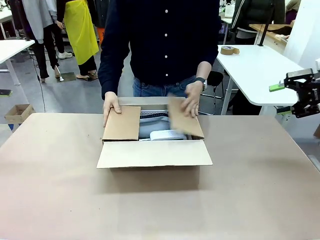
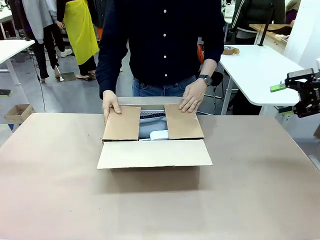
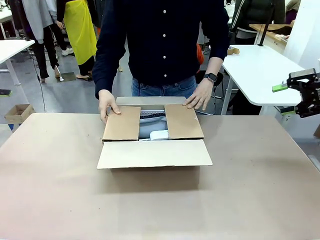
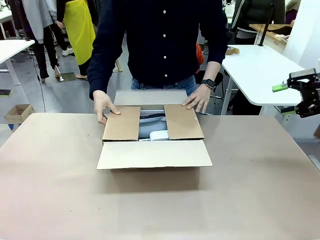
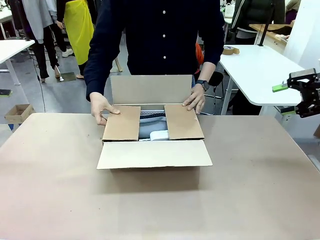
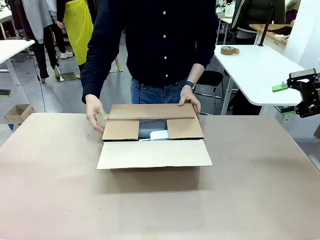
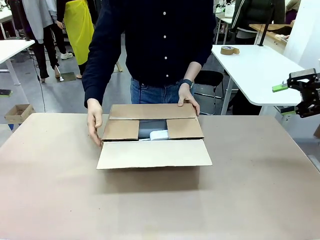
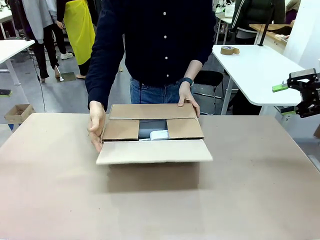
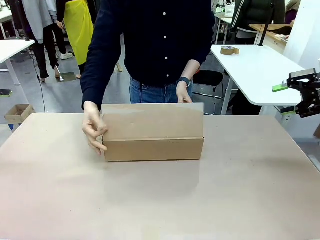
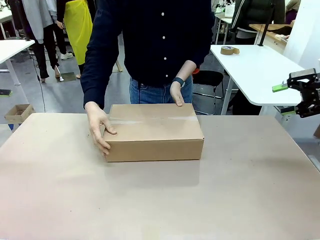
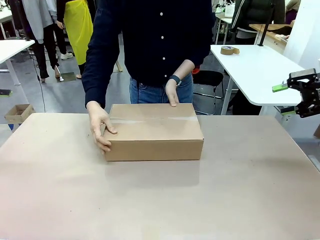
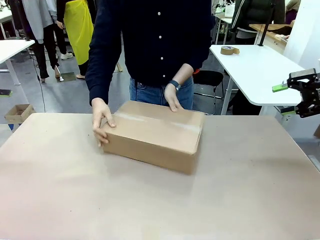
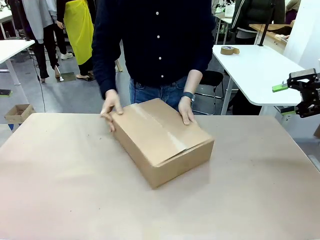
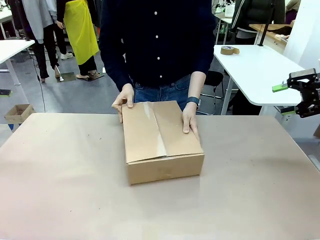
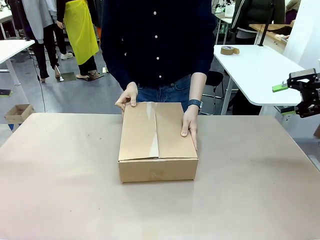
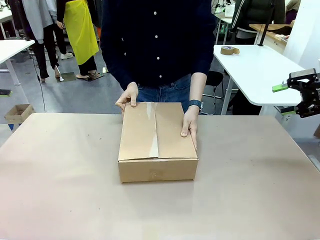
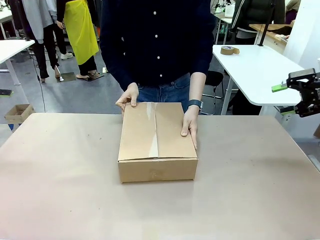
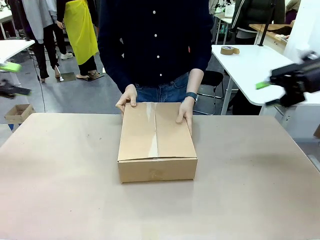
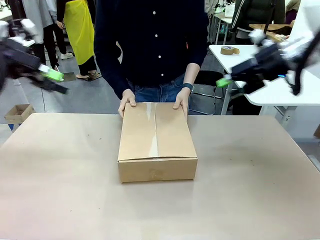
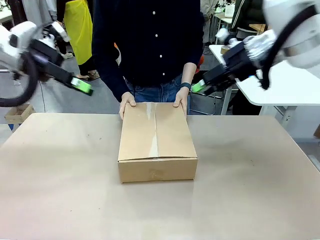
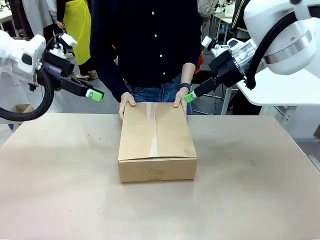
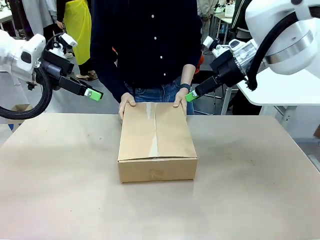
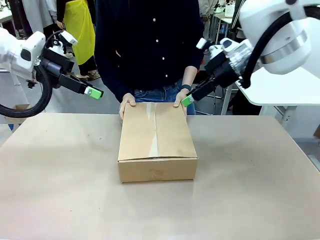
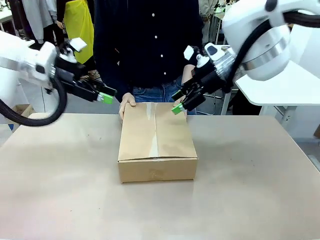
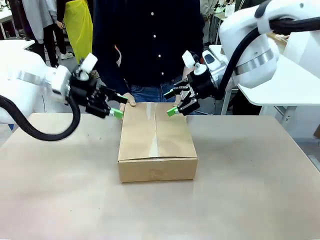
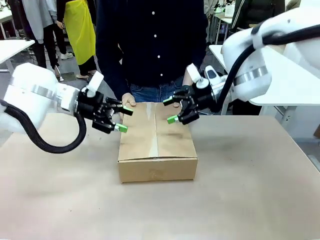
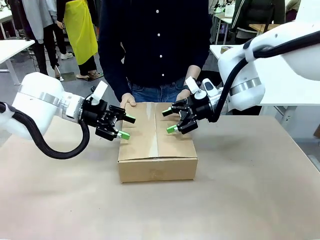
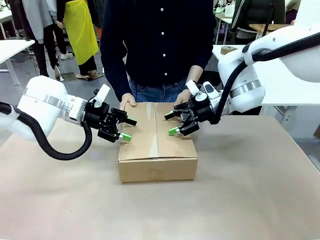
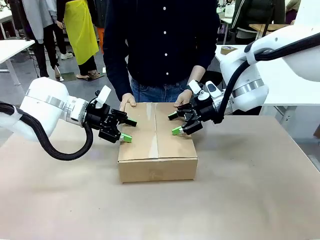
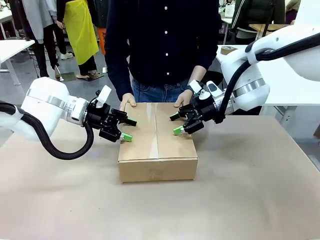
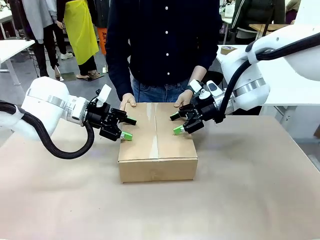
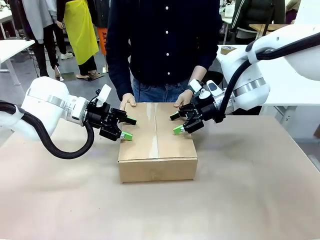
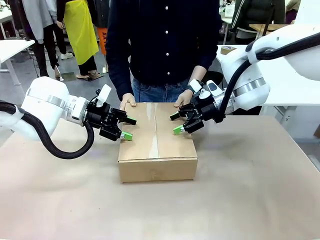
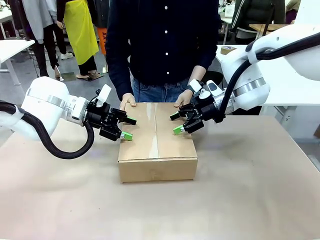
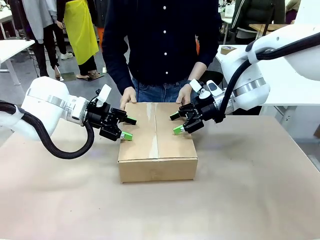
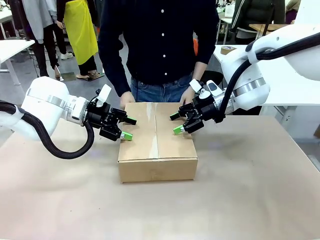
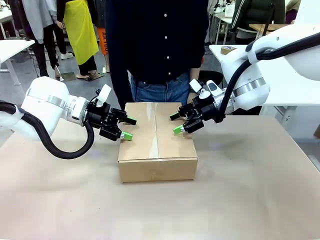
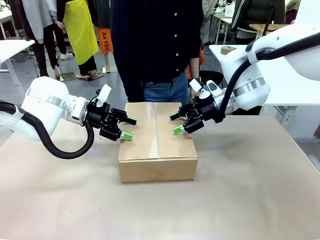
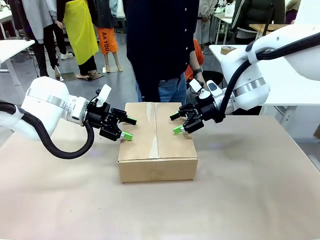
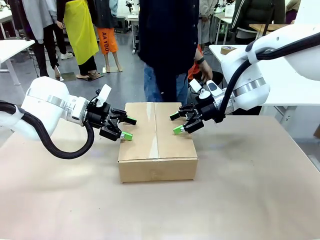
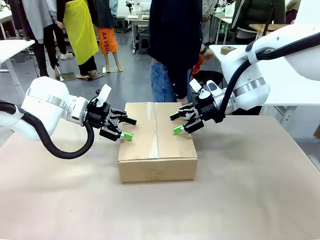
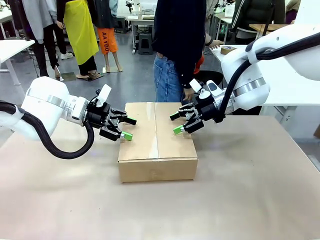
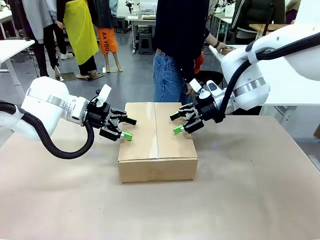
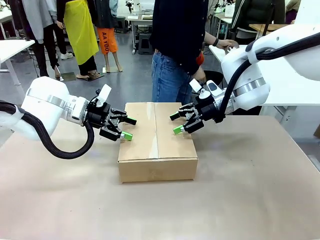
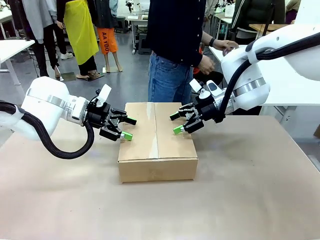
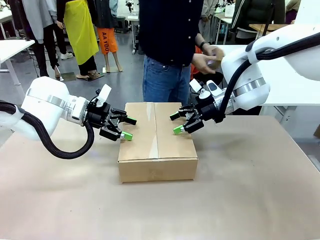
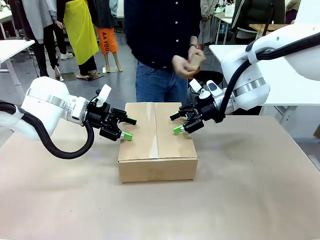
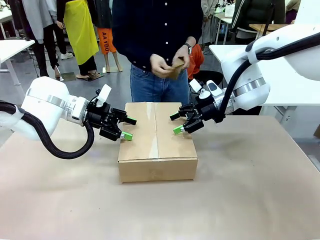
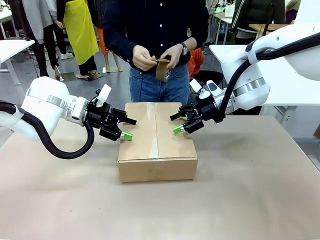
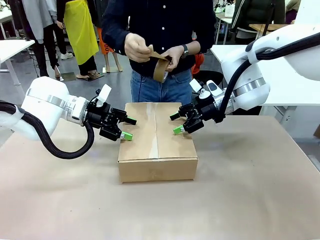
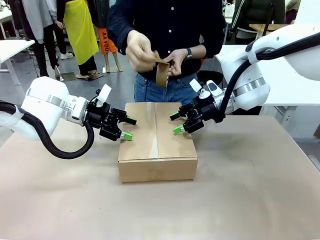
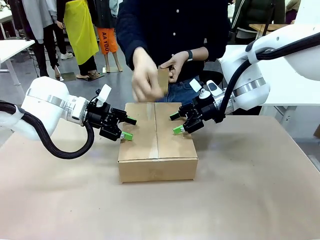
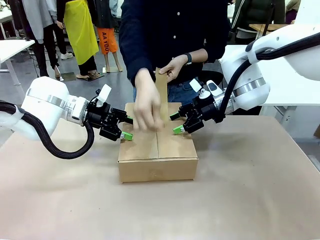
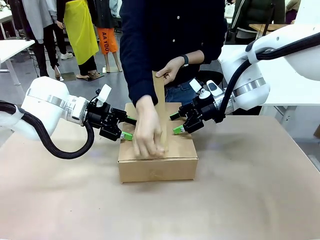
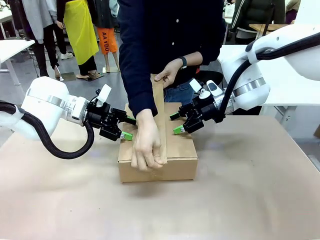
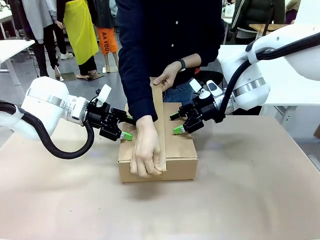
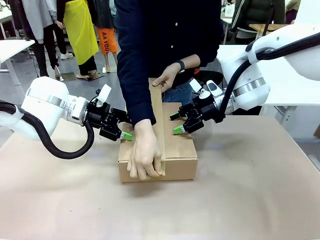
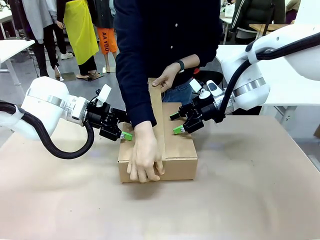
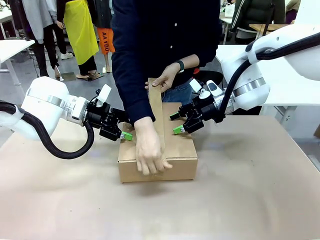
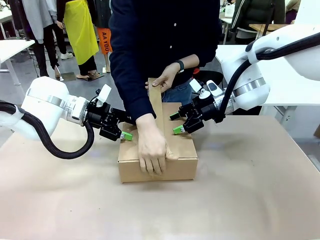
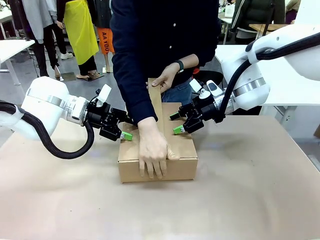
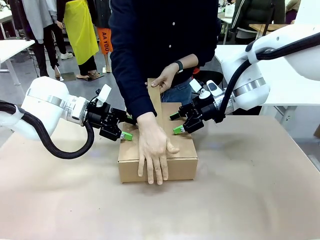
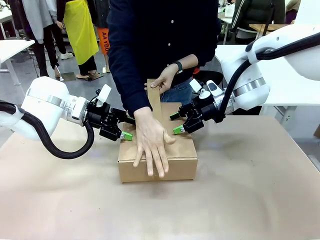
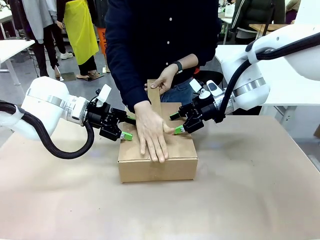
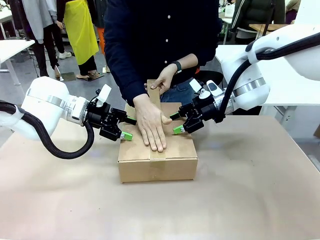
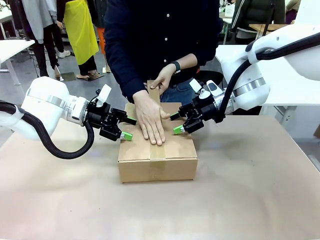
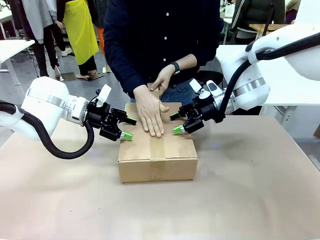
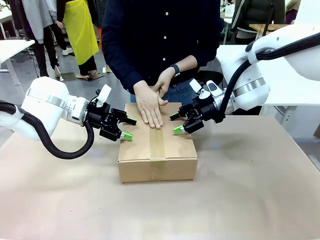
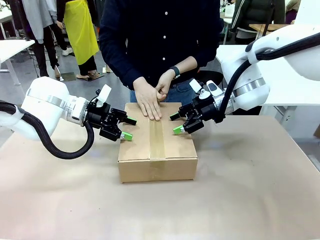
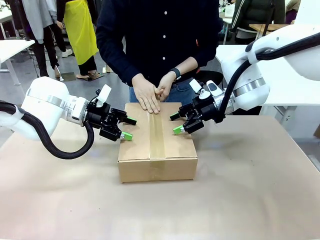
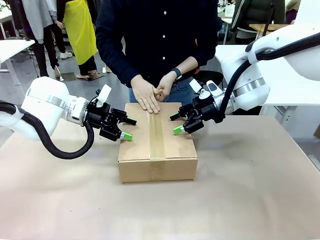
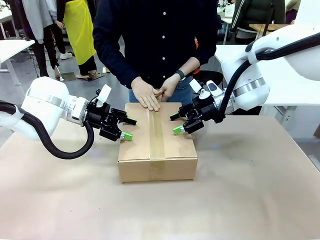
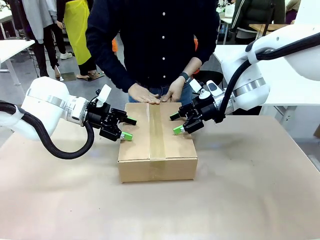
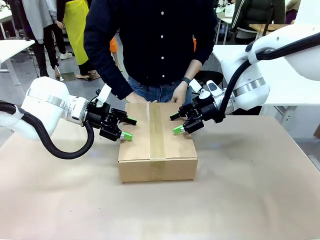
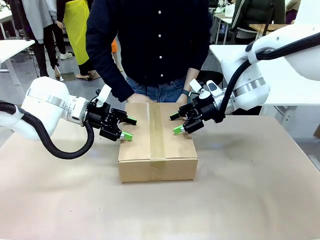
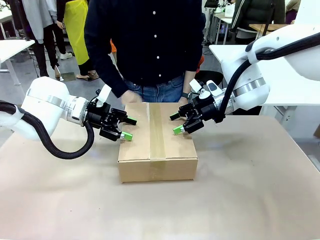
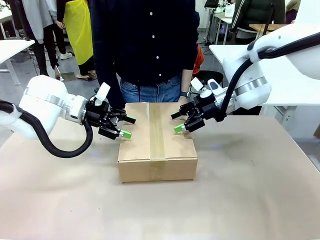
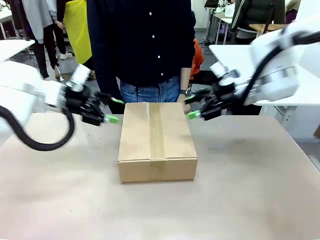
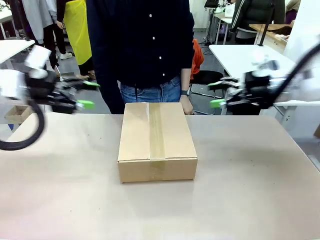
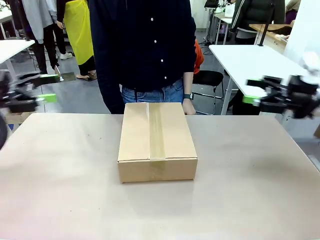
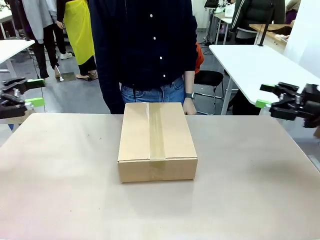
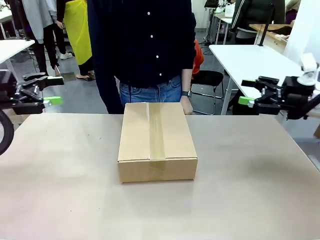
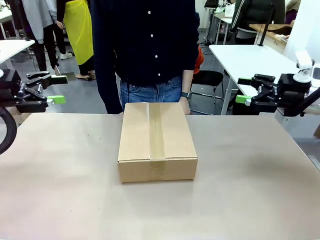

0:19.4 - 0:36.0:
Task: Pack the gift set into the box.
Robot: Press and hold the closed box until the human finishes sealing it.
Person: The human closes the box and rotates the box by 90 degrees. The human picks up the paper tape from the human table and packs the box.
